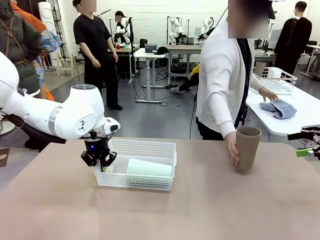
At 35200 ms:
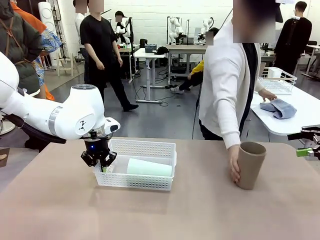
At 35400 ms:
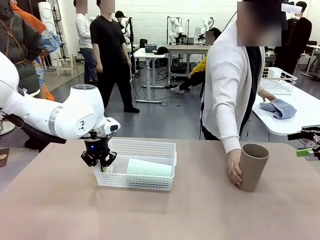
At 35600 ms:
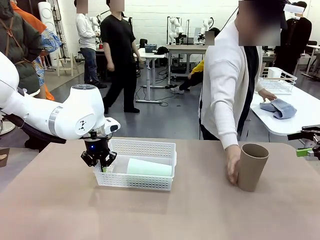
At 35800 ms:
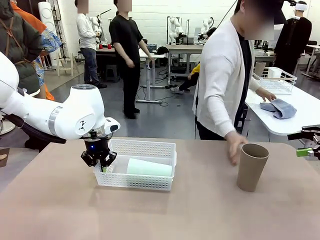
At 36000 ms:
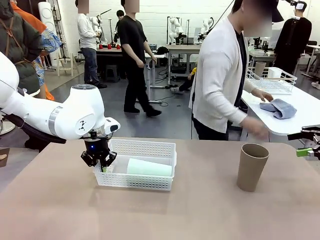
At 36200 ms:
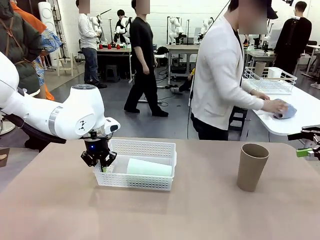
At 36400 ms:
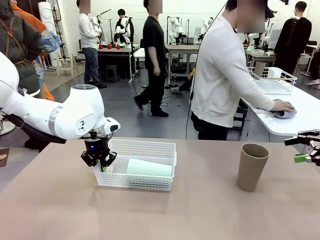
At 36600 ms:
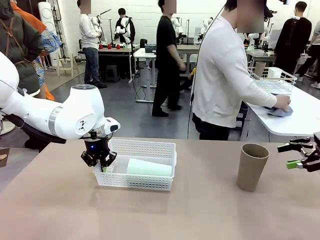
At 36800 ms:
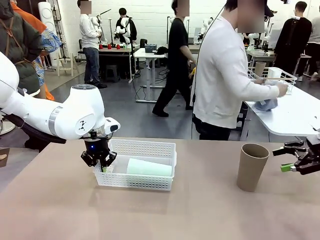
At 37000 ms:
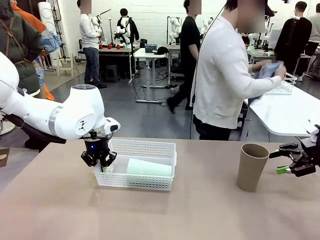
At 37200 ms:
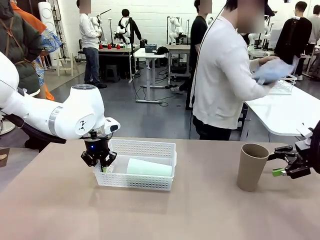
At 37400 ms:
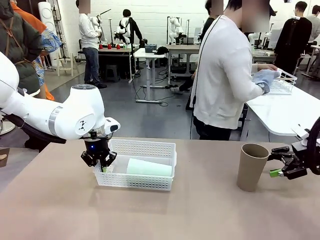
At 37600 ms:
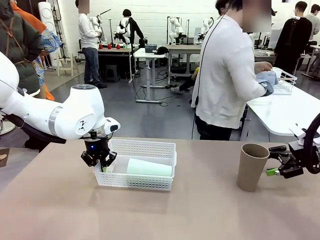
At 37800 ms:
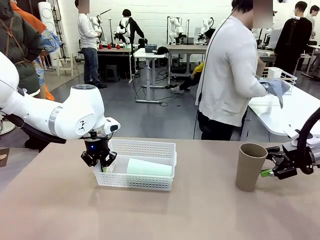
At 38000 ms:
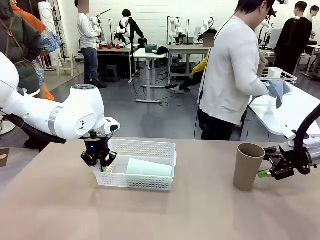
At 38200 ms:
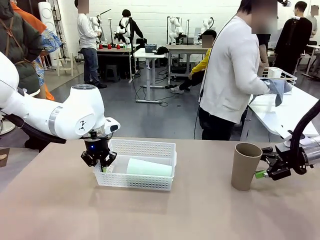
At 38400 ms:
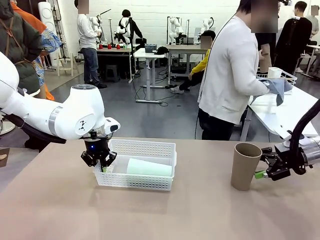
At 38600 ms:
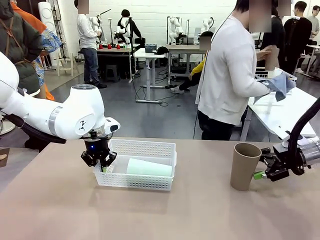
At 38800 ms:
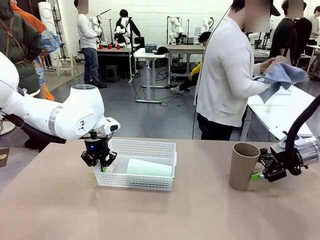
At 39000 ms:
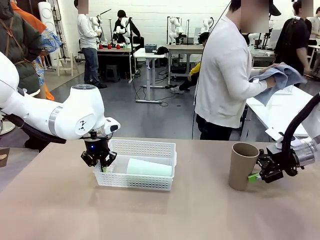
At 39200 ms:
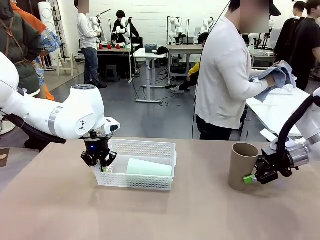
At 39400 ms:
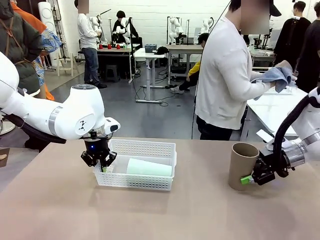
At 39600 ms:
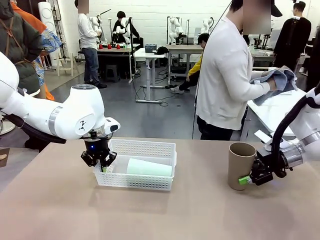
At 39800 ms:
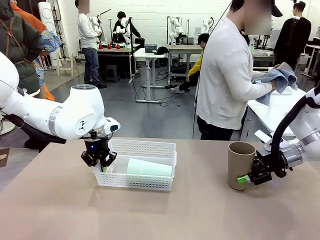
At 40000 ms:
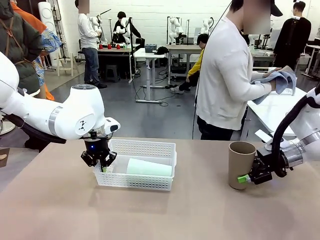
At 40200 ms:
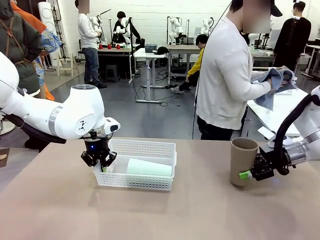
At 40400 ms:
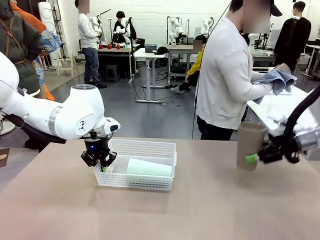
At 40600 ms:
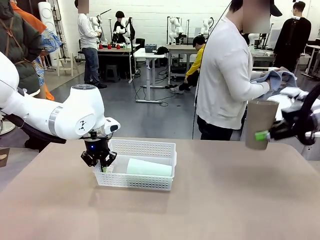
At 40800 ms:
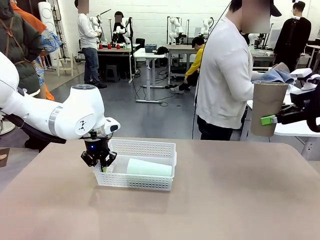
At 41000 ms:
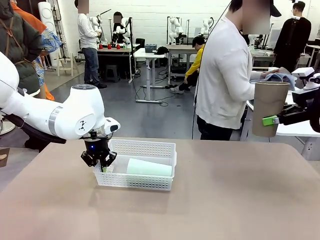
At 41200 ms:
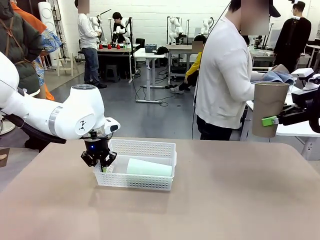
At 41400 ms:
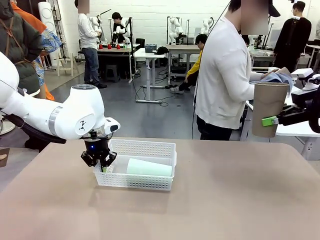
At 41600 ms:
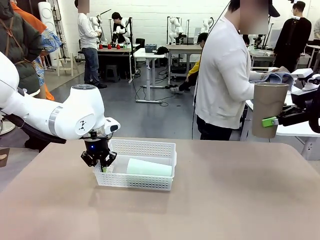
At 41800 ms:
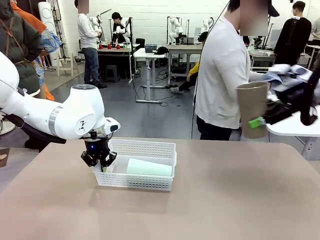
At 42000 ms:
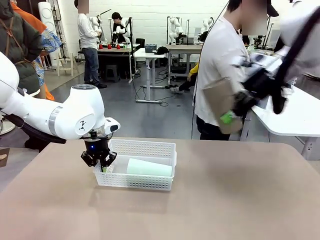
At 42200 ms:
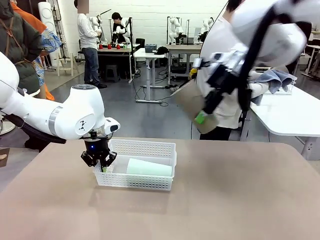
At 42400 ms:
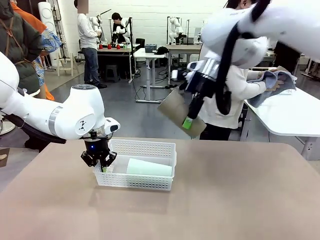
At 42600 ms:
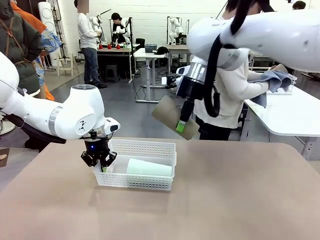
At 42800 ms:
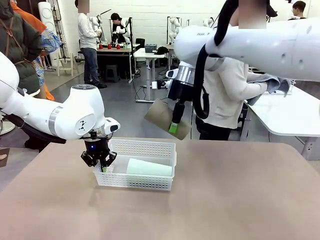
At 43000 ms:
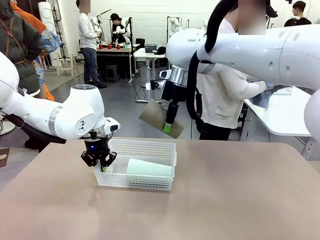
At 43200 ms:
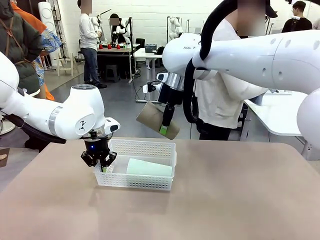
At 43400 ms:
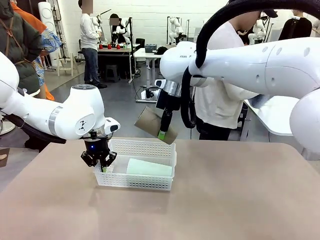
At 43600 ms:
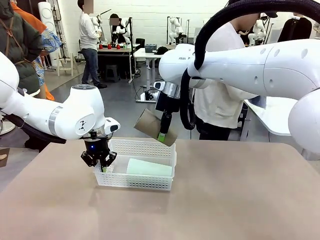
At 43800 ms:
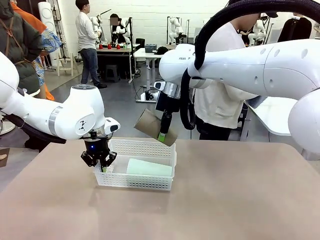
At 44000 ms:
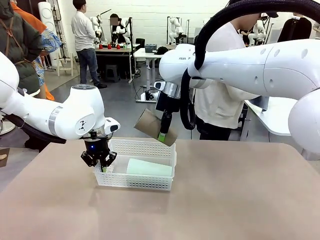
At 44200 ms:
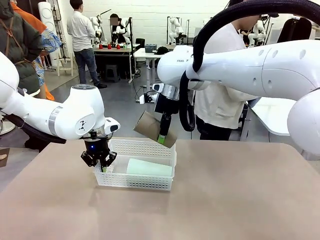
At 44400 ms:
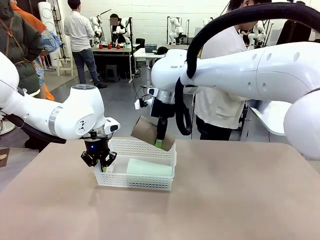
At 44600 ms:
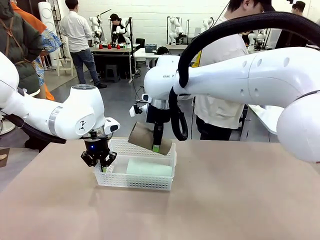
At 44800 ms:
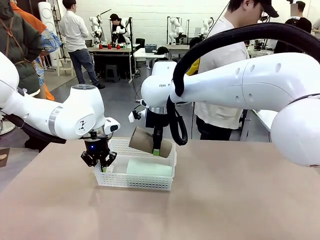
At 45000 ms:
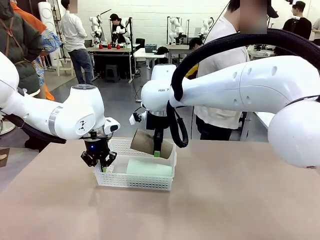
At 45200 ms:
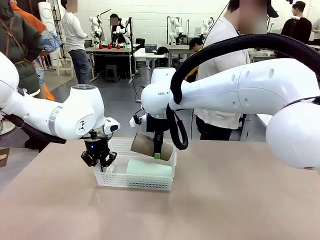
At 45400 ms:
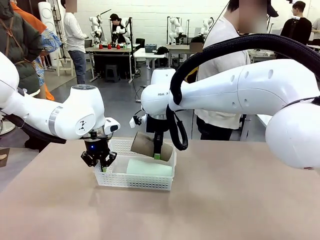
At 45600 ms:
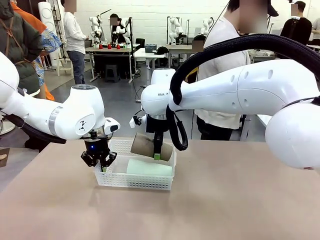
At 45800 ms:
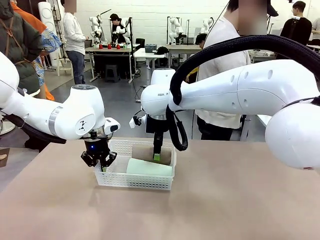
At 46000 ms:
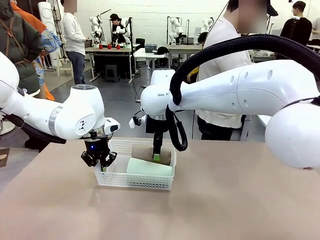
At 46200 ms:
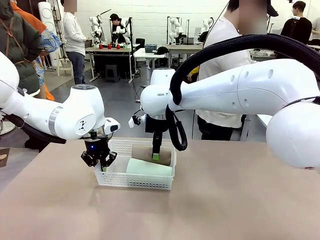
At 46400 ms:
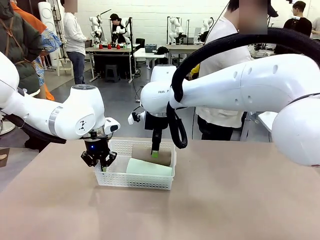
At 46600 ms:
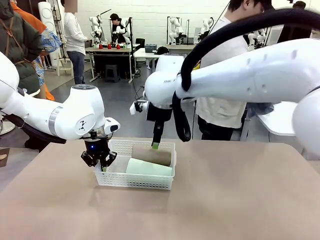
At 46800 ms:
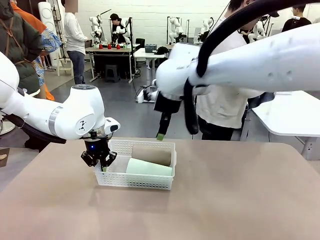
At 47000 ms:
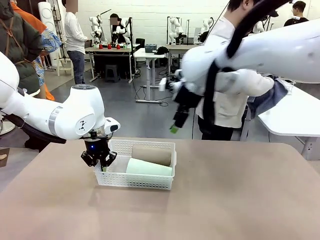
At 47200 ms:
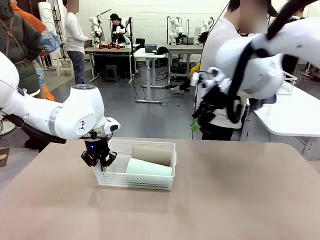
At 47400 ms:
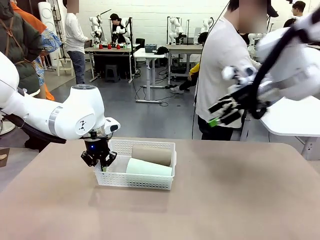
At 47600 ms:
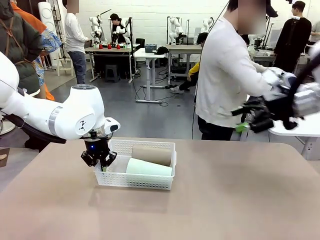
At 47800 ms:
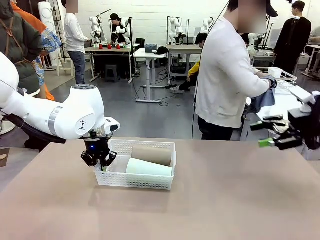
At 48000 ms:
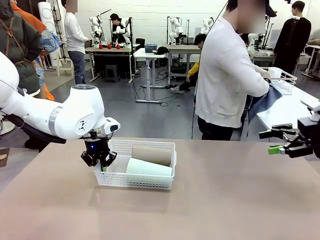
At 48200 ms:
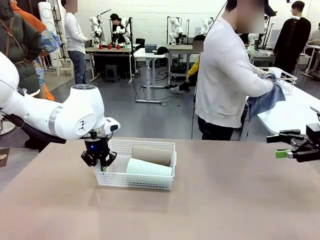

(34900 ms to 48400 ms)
Task: Clean and organize the cups into the basket.
Robot: Pick up the Reusable plastic cup from the right side of the table and stack it inside the Organizing basket in the center of the table.
